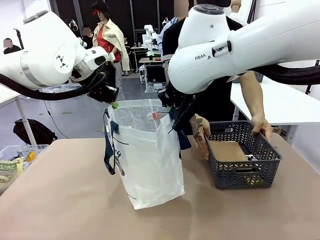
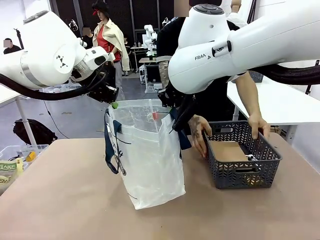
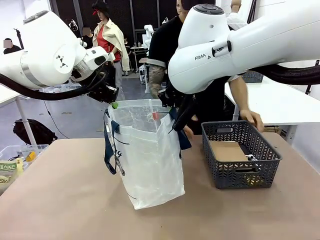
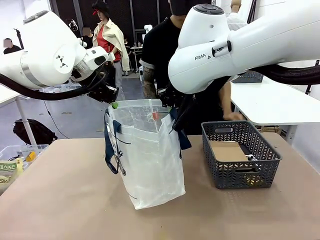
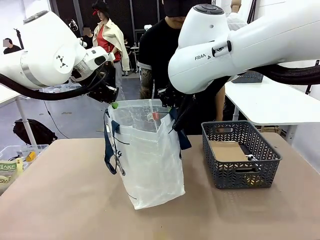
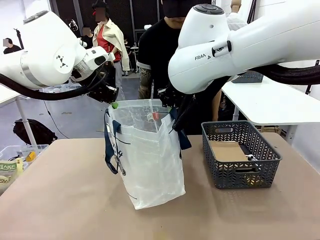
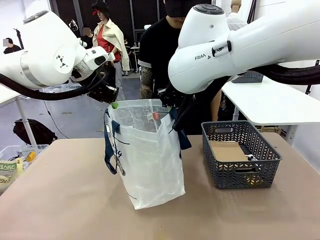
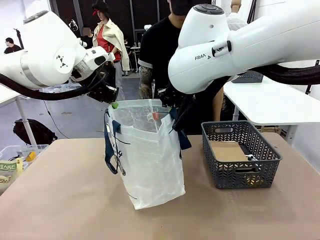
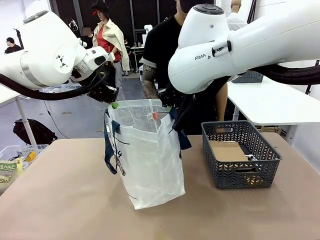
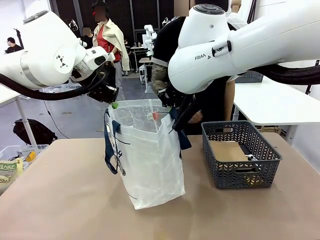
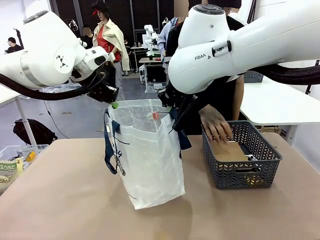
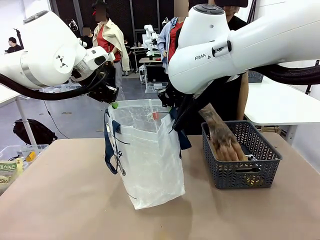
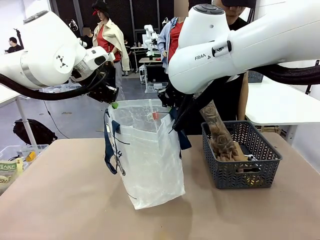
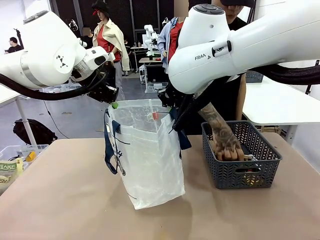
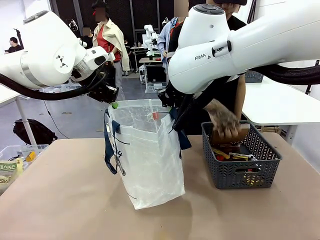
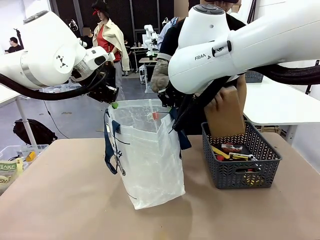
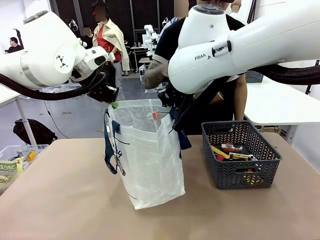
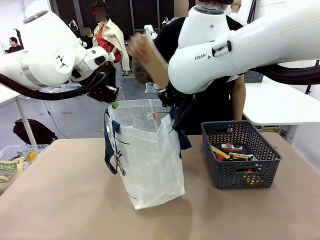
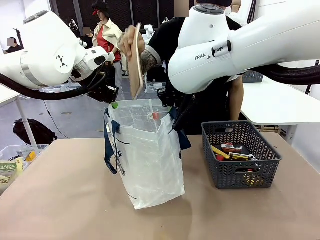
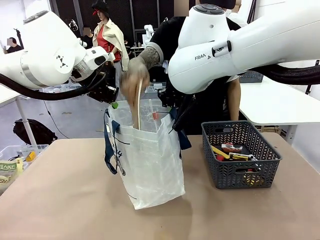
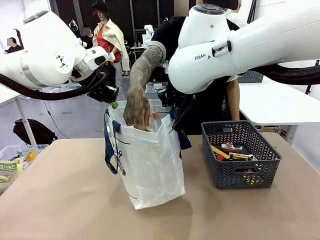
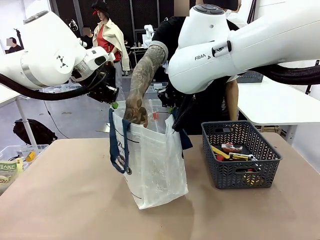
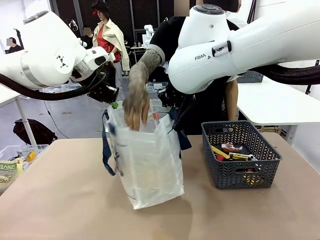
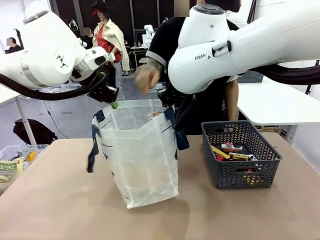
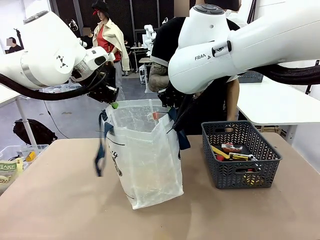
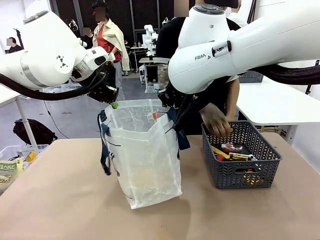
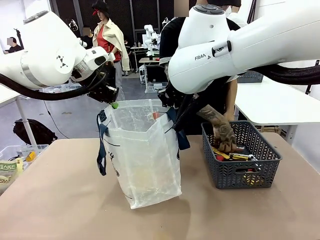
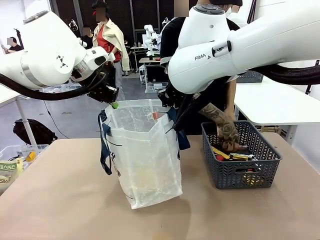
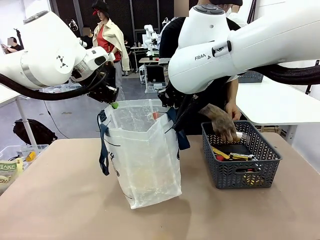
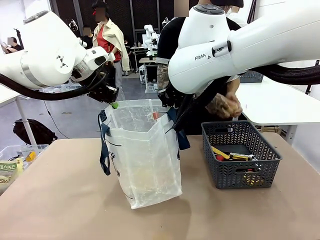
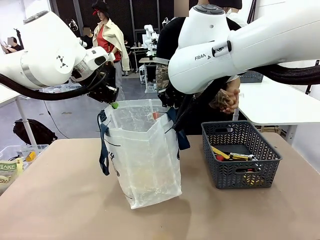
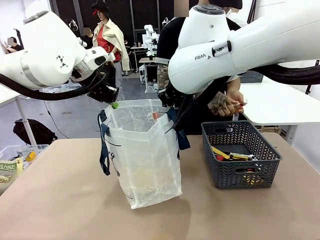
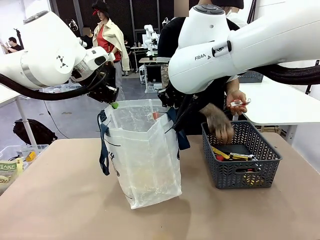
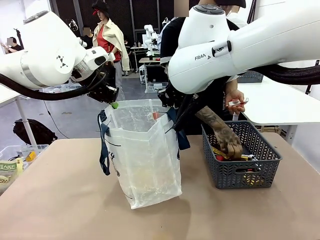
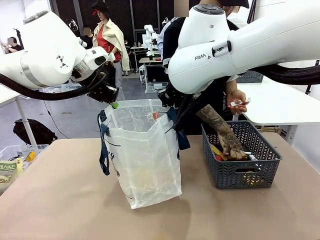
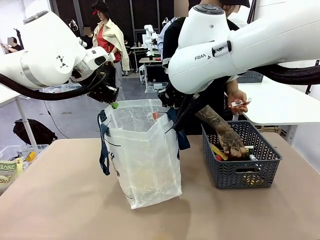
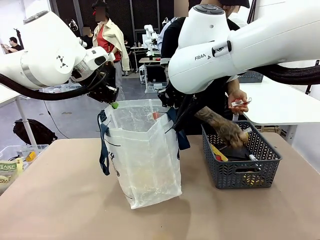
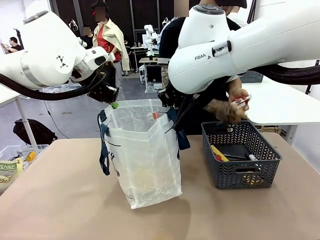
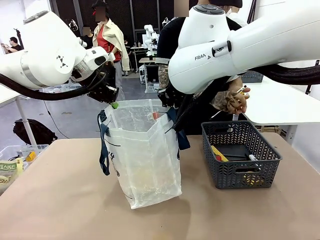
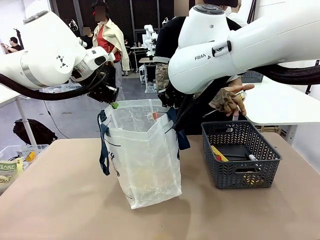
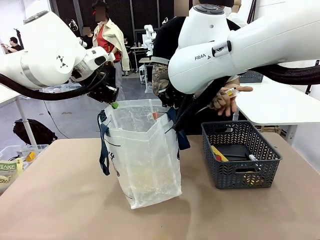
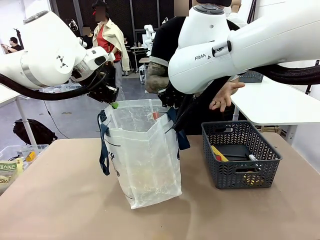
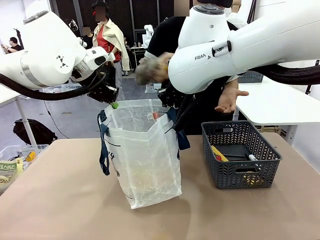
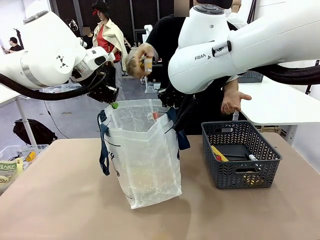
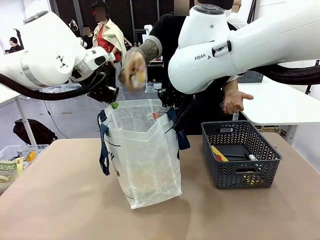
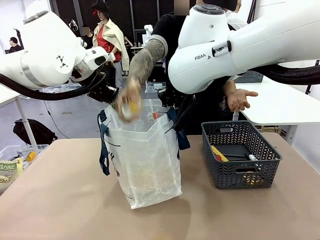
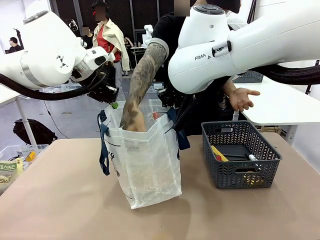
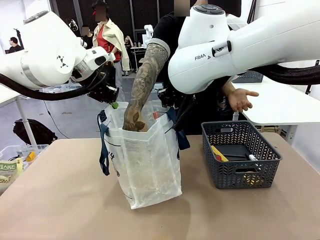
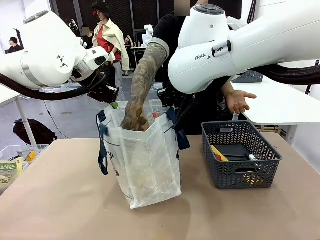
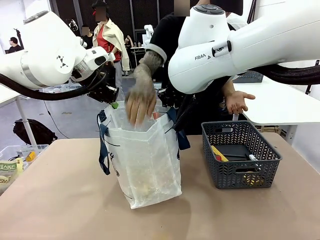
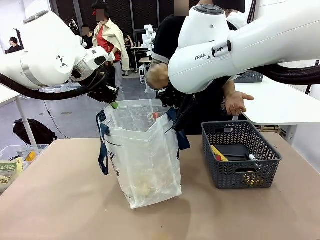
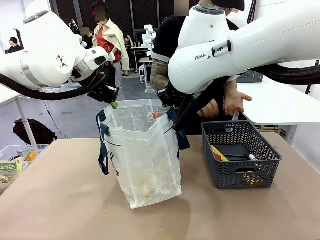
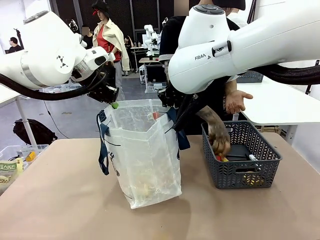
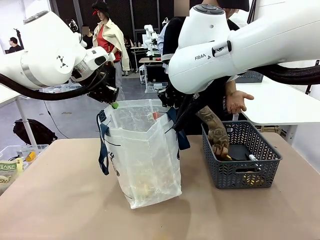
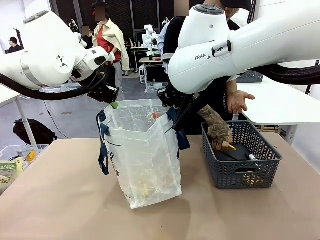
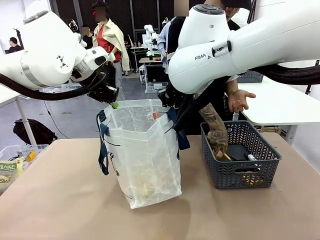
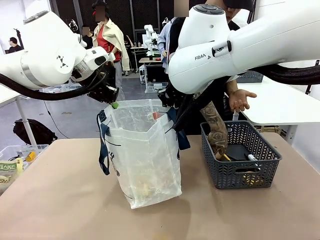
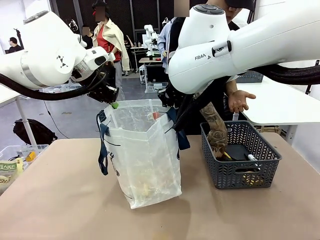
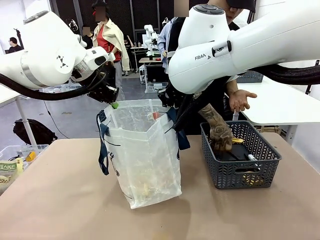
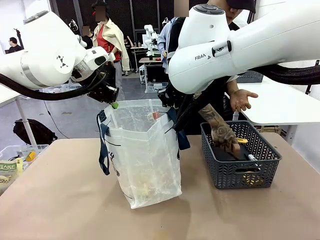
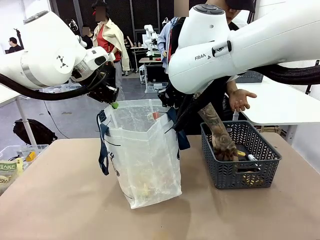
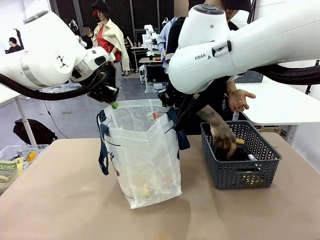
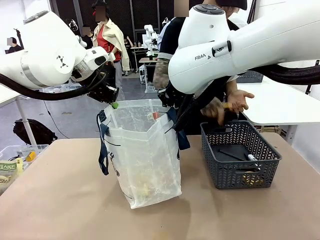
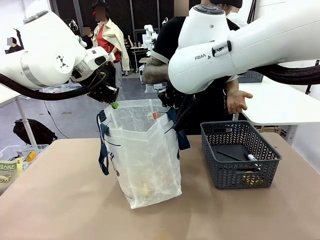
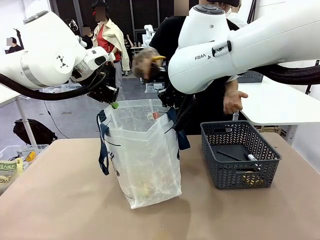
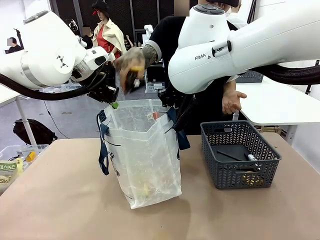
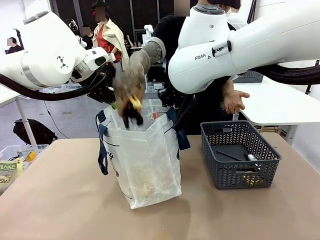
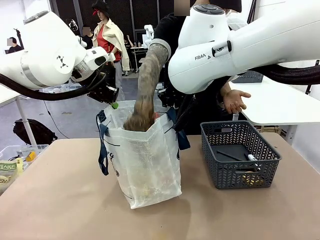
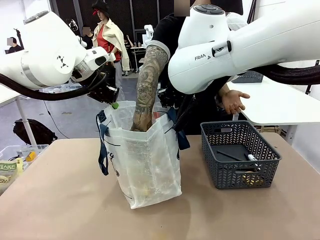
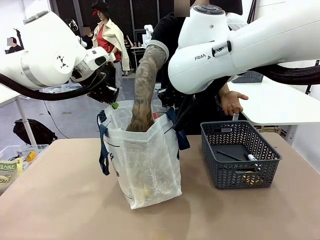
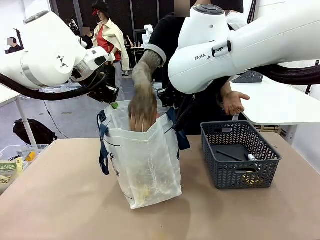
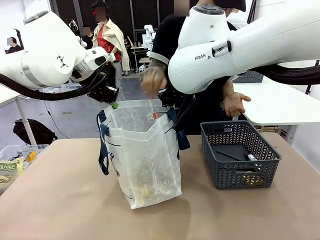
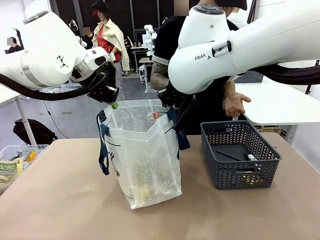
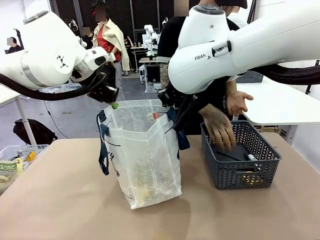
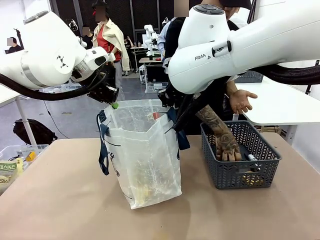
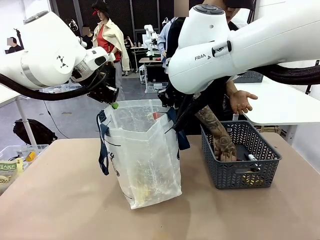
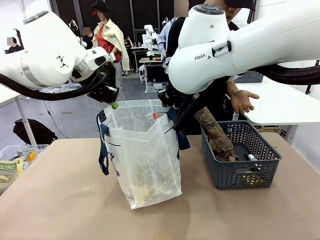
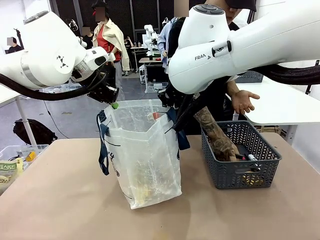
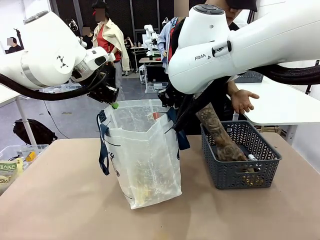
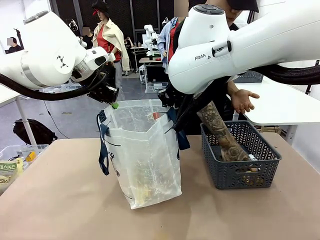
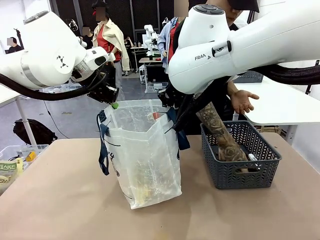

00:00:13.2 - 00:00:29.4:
Task: Transfer purchased items from the store into the shopping bag.
Robot: Move the Reusable shopping bag to the right side of the table.
Person: Pick up the basket with the items out and place it on the right side of the human table.
